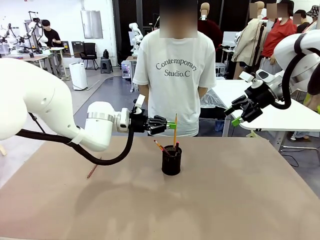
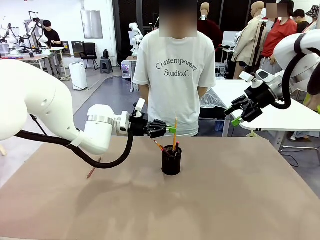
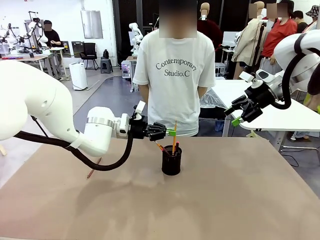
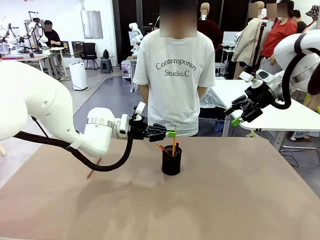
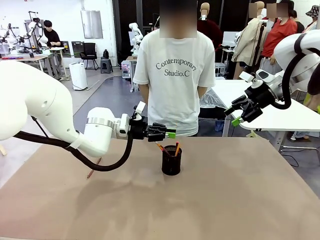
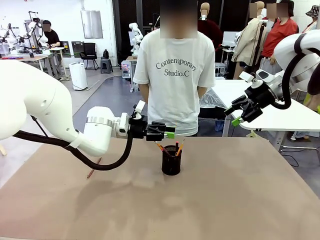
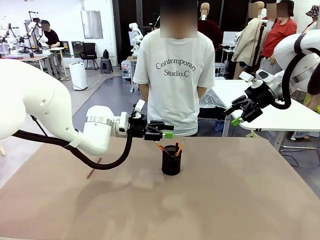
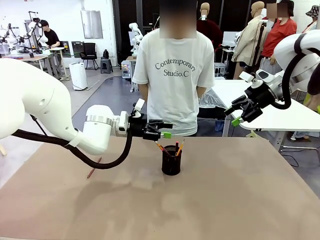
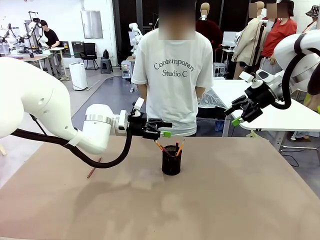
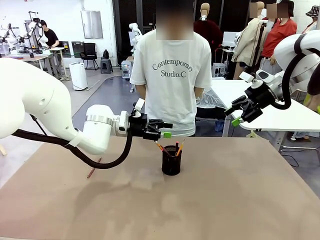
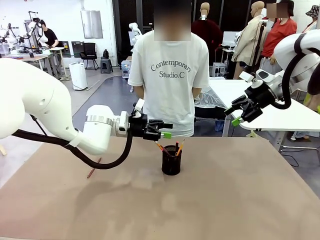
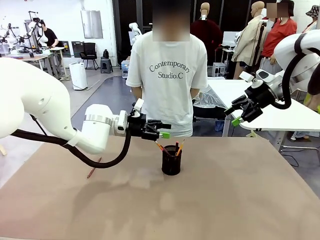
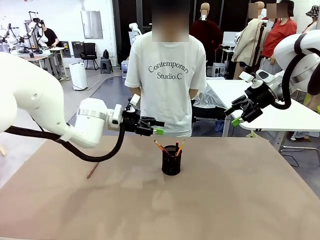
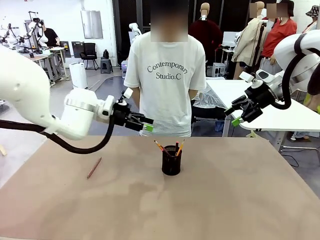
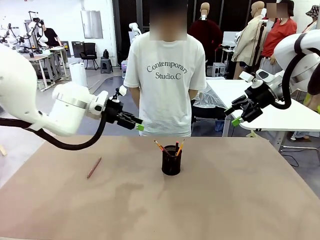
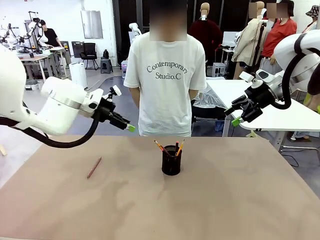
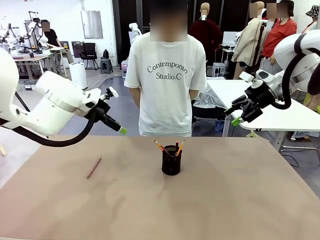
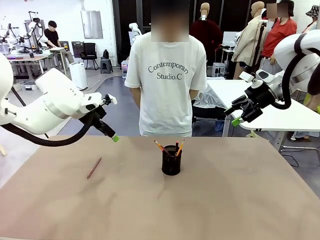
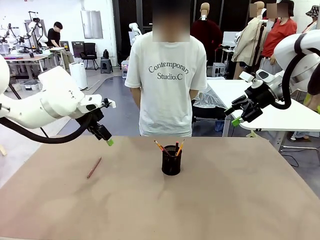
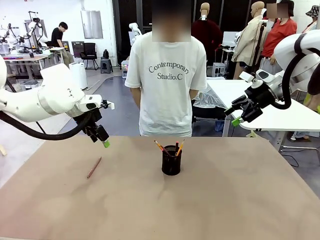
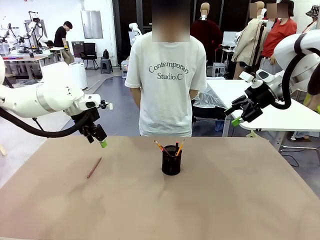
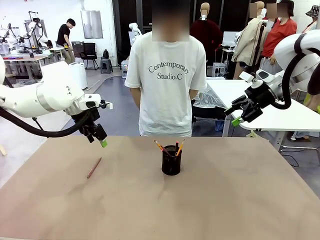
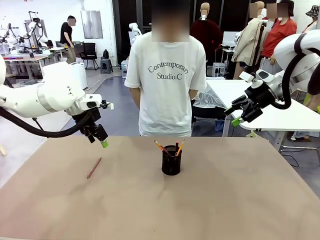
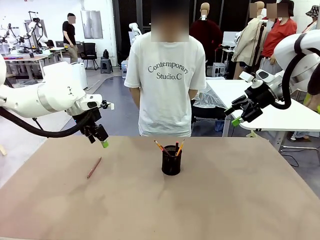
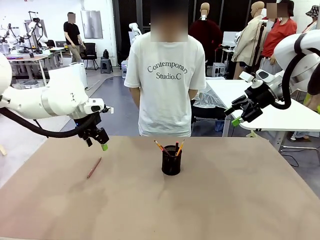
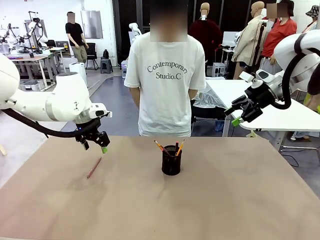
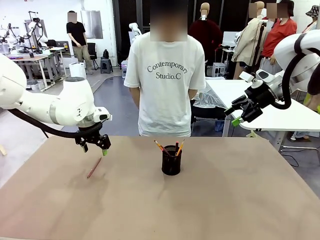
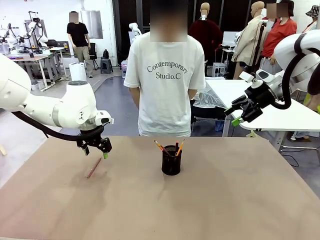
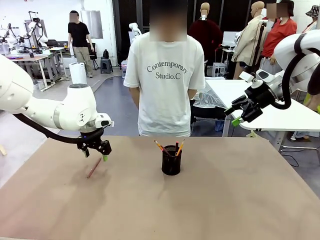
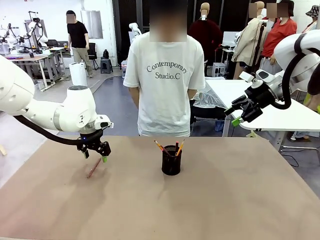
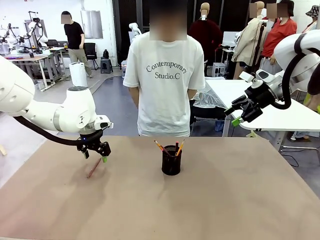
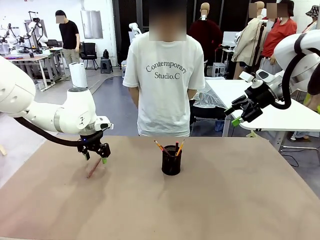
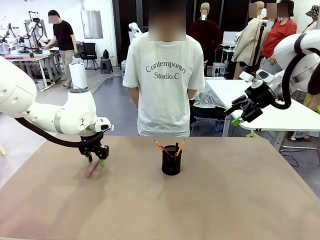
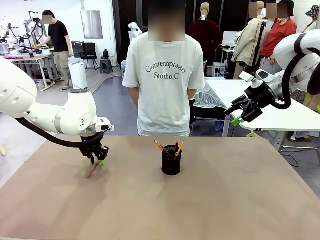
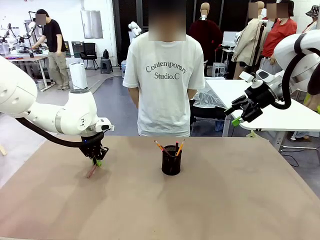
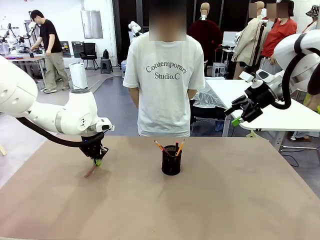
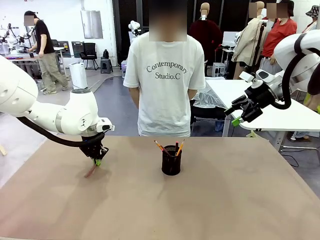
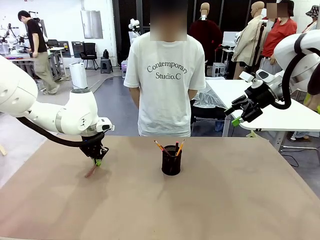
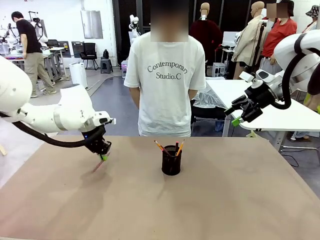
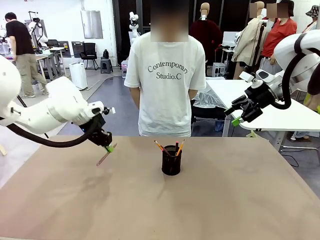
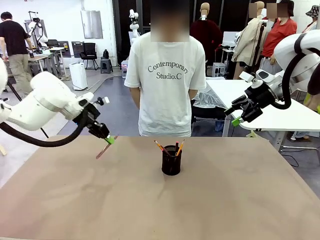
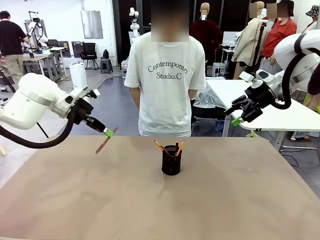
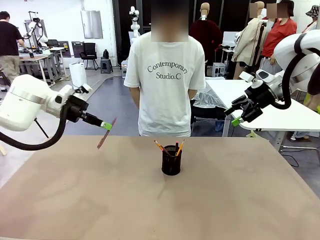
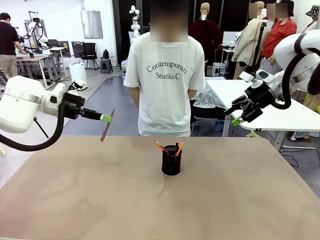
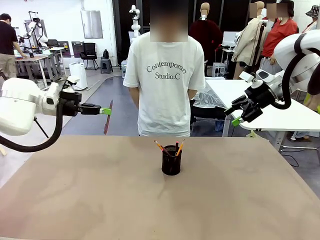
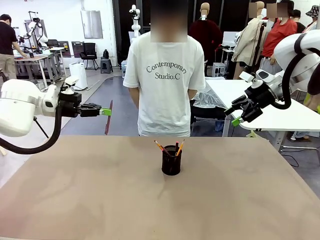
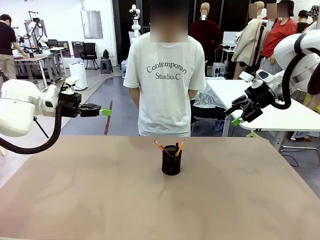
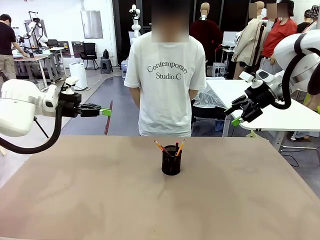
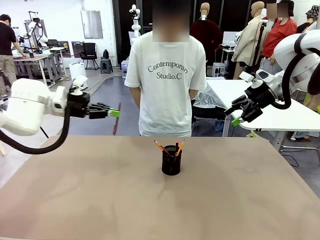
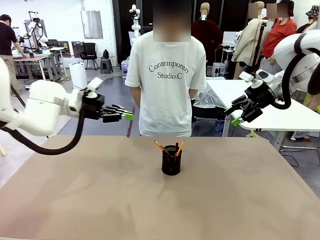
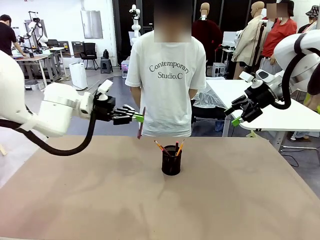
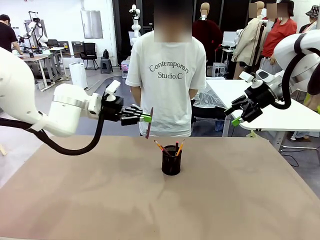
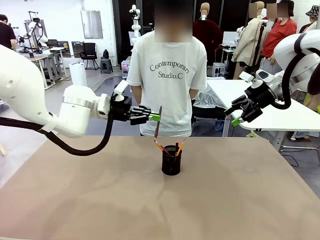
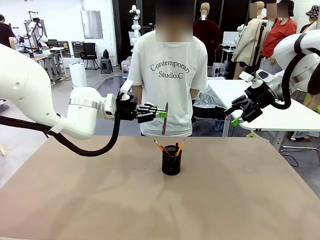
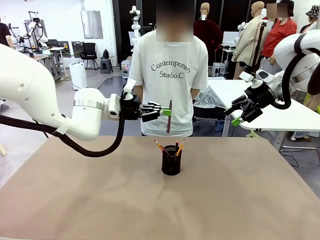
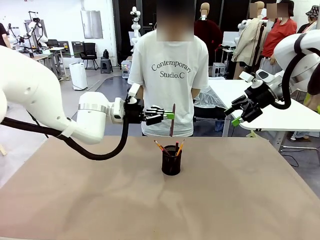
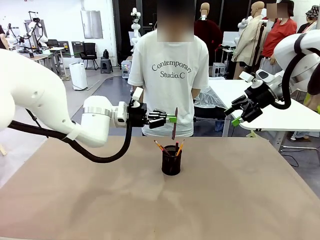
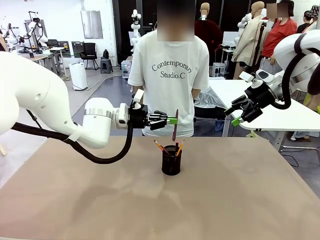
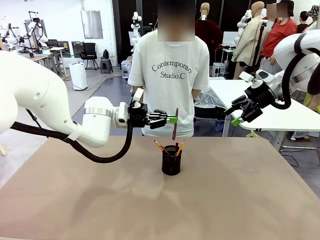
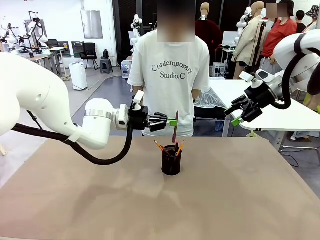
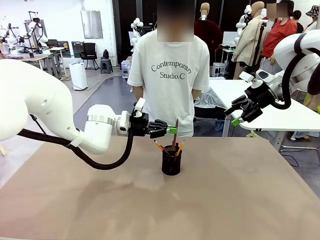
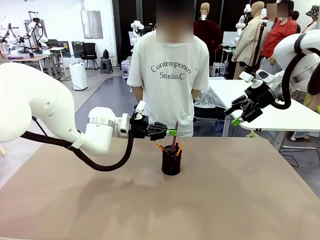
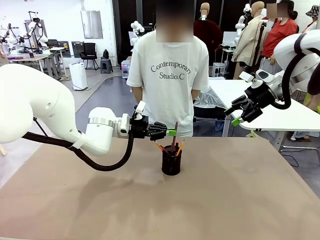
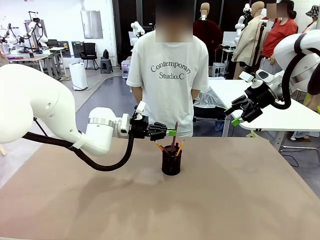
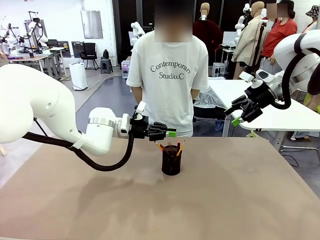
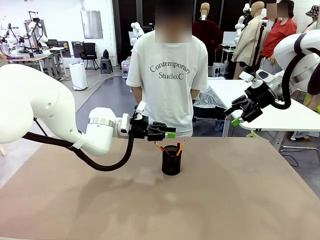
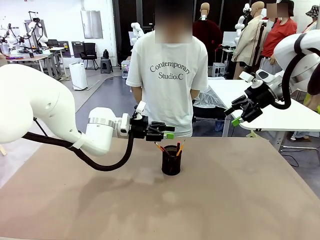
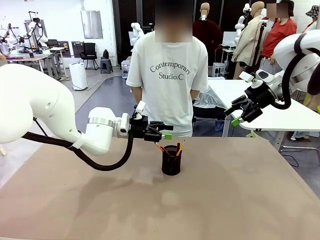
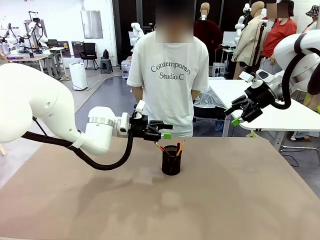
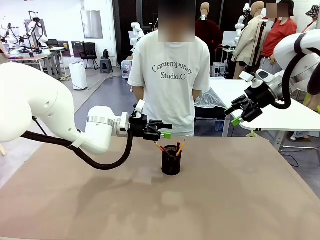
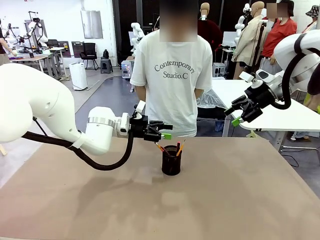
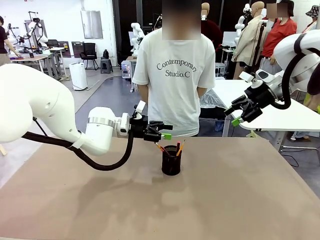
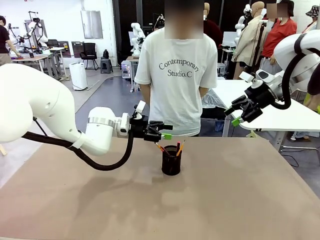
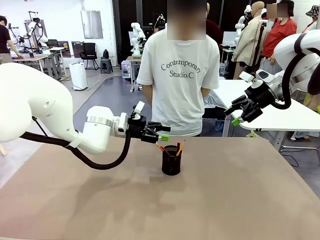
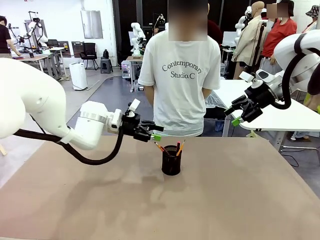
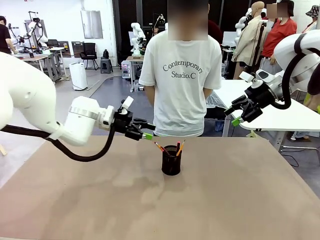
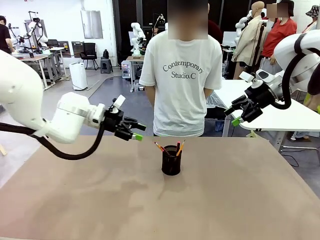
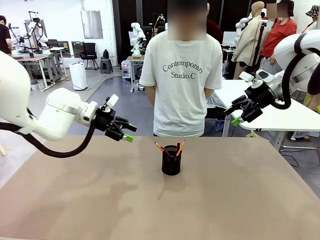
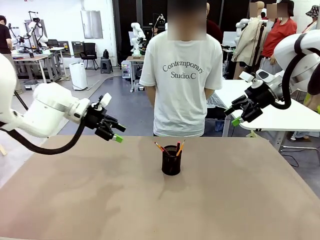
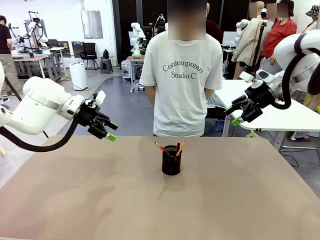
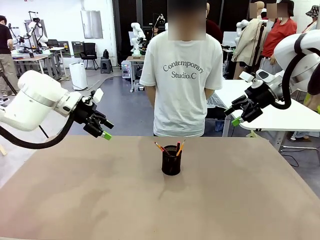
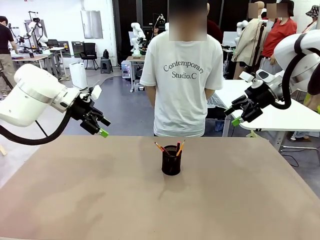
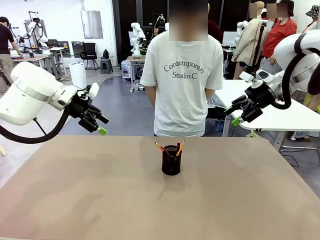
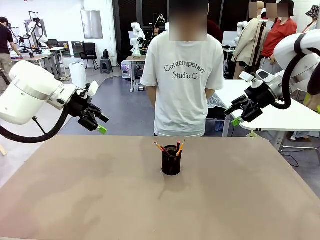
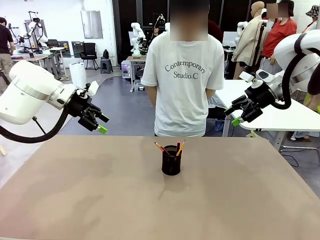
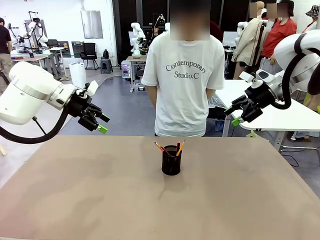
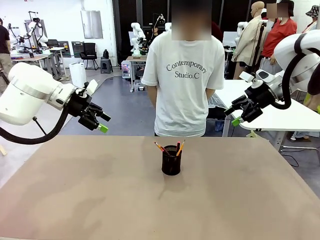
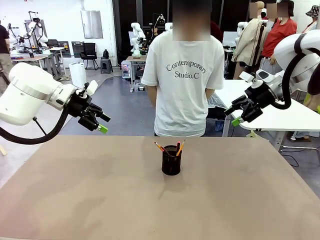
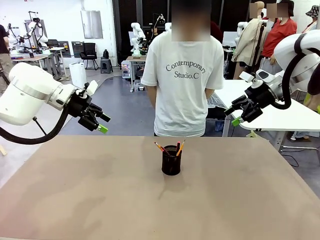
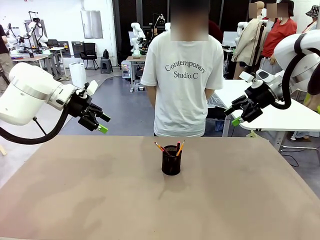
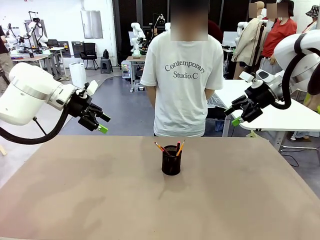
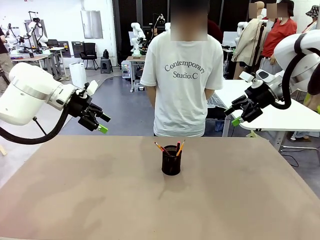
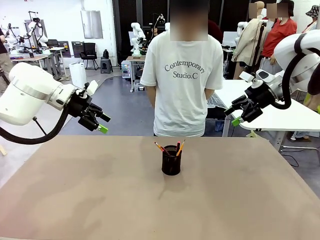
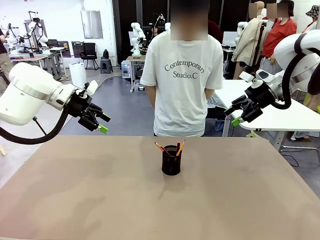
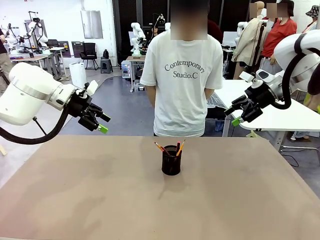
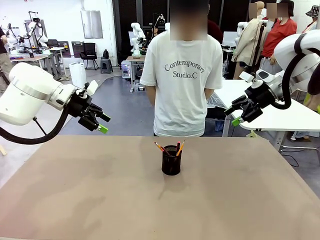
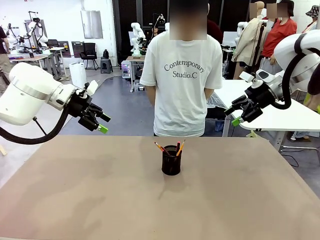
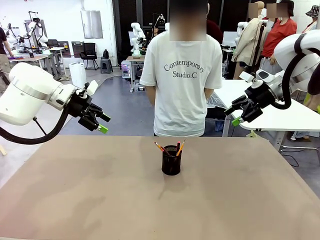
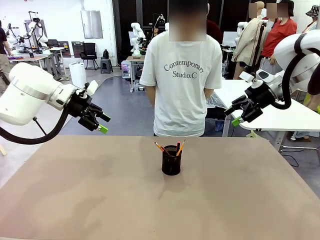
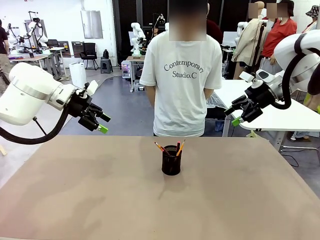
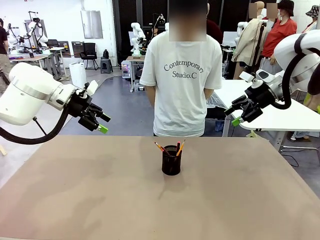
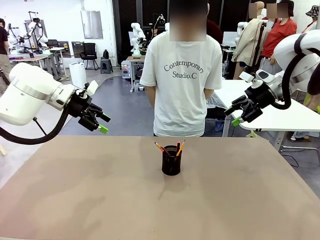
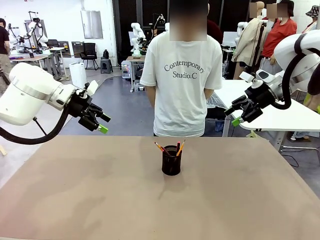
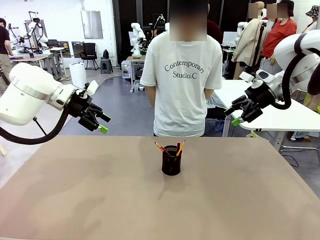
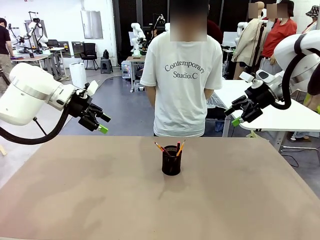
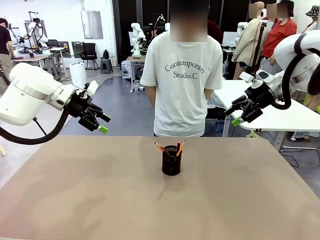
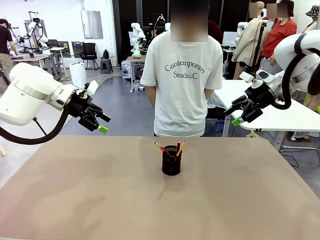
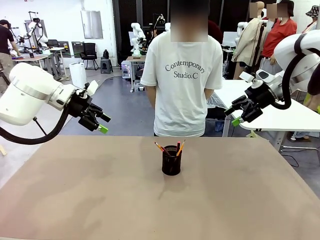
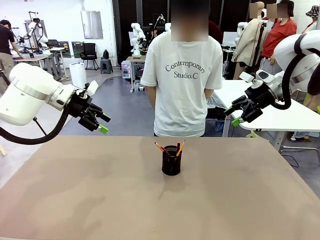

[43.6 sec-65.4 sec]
Task: Place the pens into the pen holder.
Robot: Pick up a writing instrument from the table and place it into the Pen holder.
